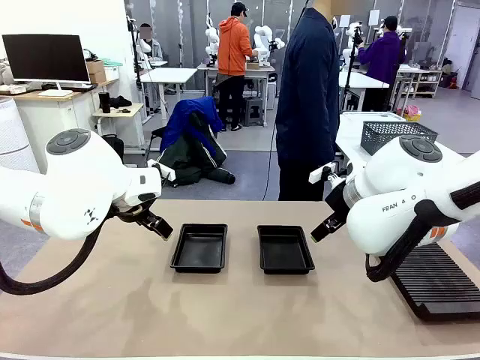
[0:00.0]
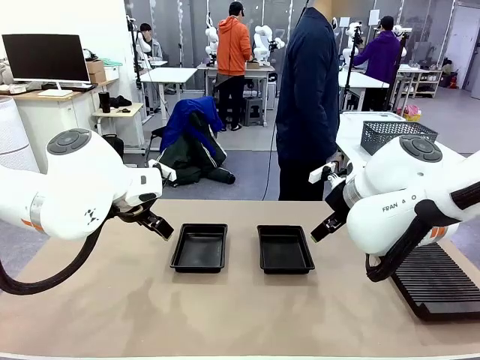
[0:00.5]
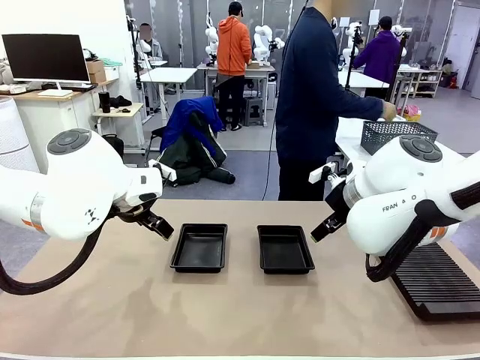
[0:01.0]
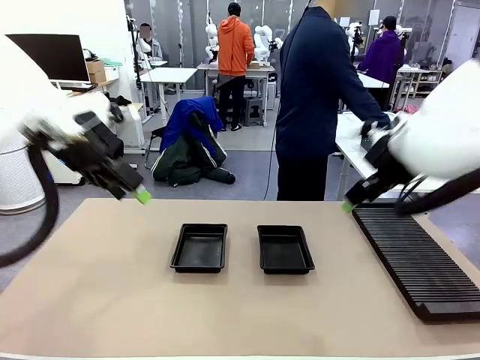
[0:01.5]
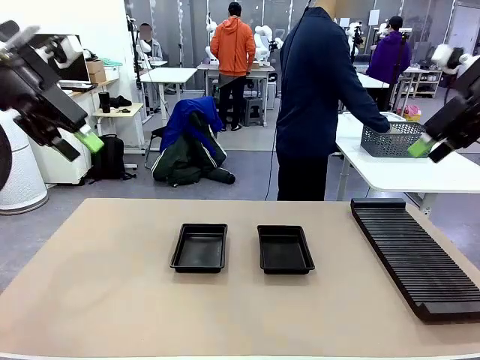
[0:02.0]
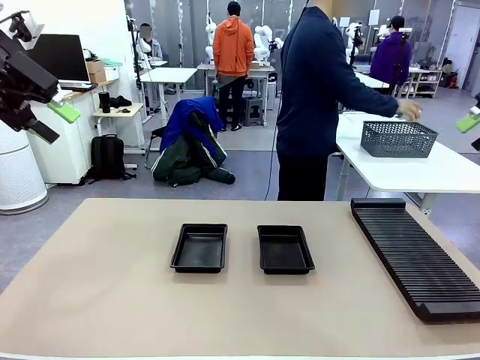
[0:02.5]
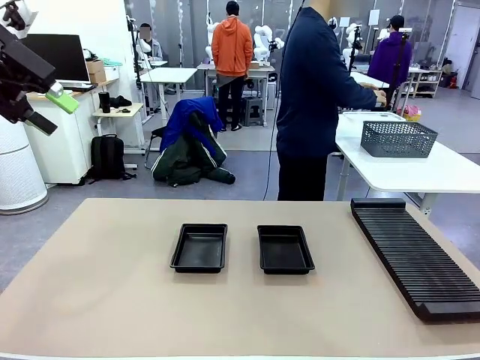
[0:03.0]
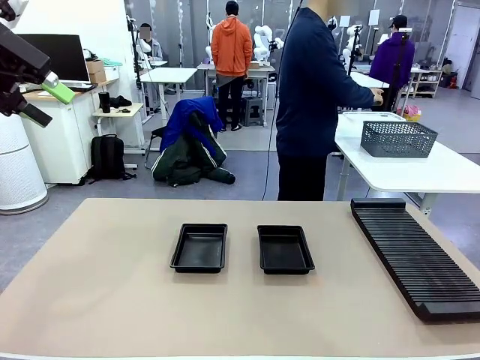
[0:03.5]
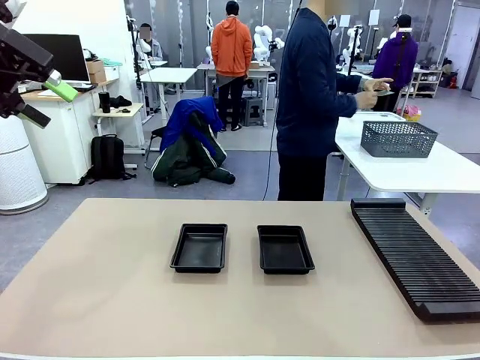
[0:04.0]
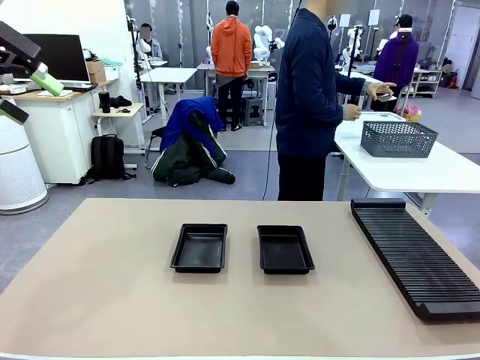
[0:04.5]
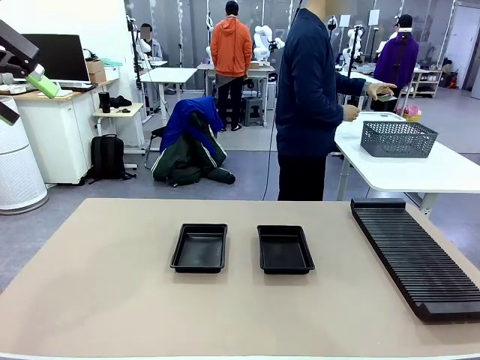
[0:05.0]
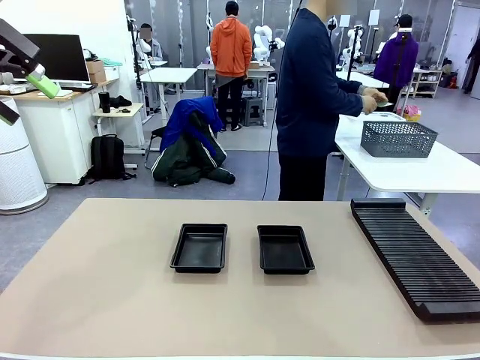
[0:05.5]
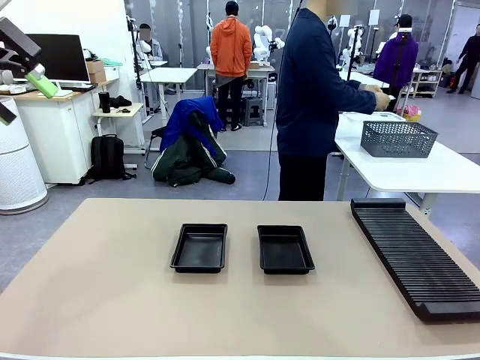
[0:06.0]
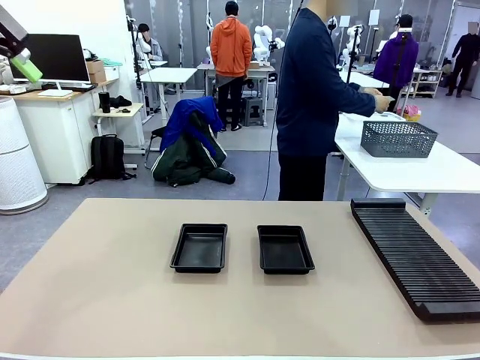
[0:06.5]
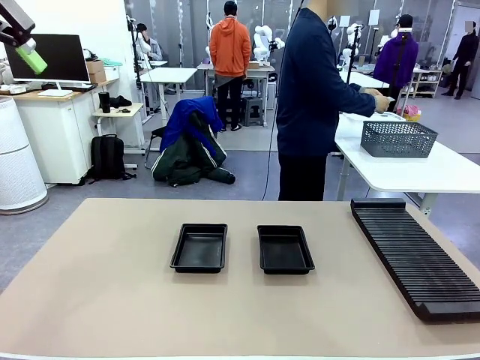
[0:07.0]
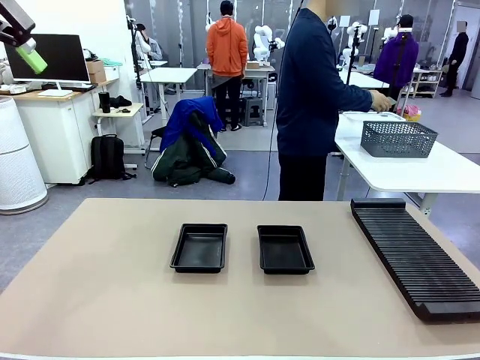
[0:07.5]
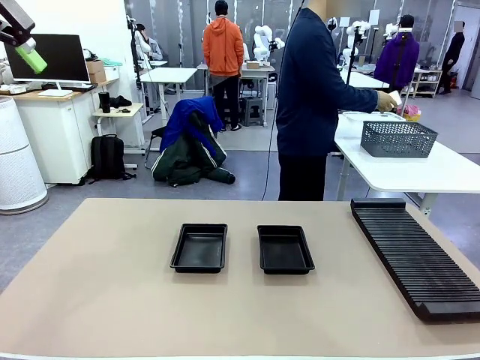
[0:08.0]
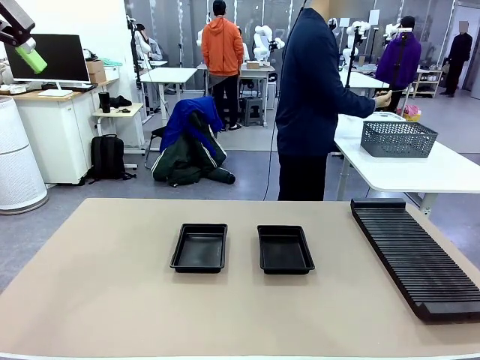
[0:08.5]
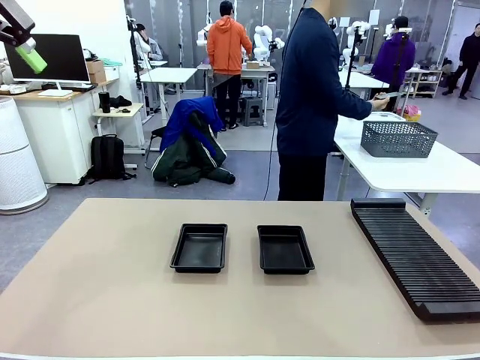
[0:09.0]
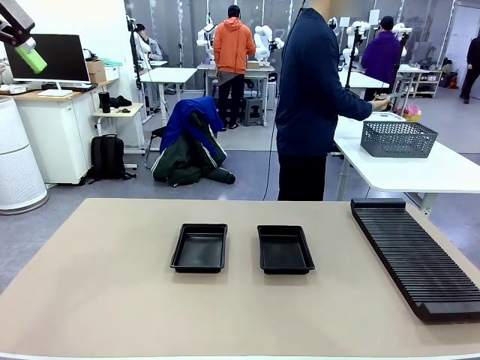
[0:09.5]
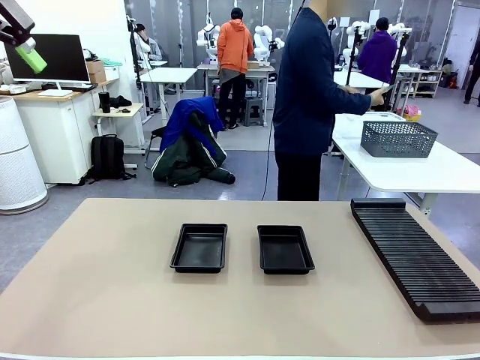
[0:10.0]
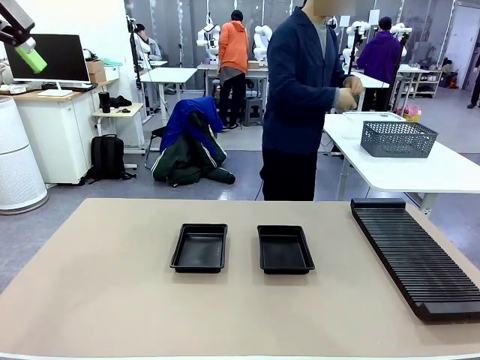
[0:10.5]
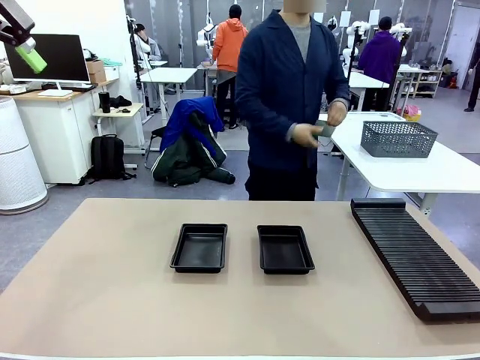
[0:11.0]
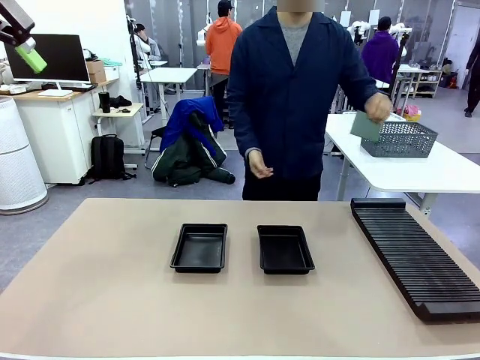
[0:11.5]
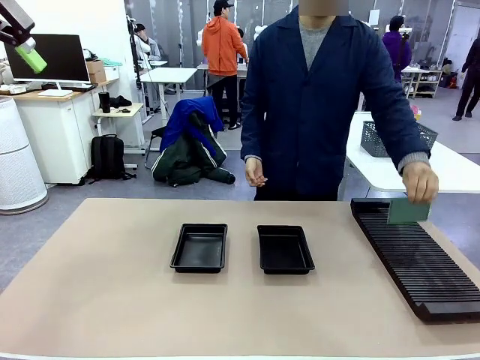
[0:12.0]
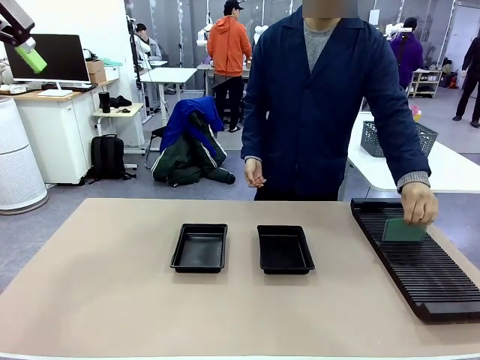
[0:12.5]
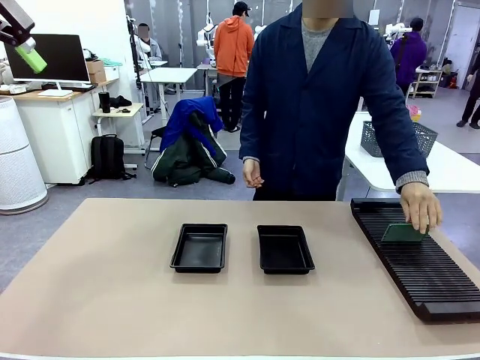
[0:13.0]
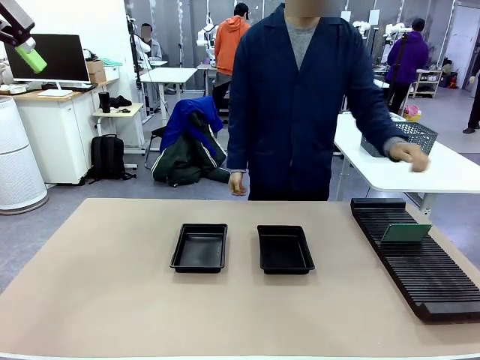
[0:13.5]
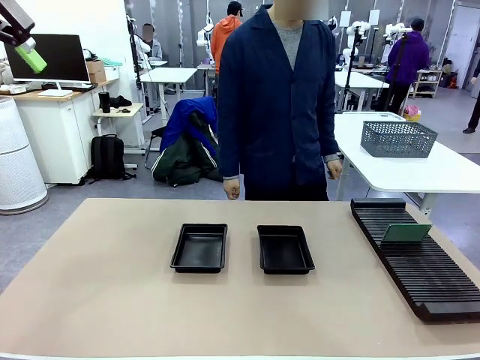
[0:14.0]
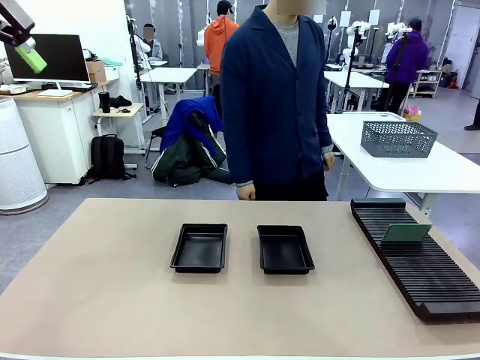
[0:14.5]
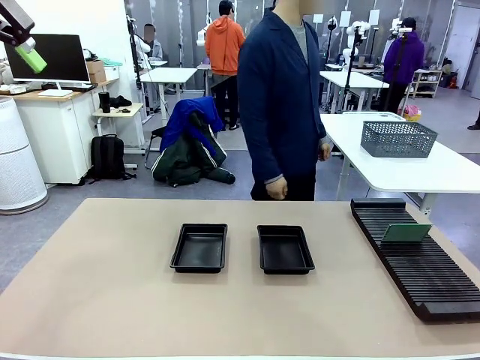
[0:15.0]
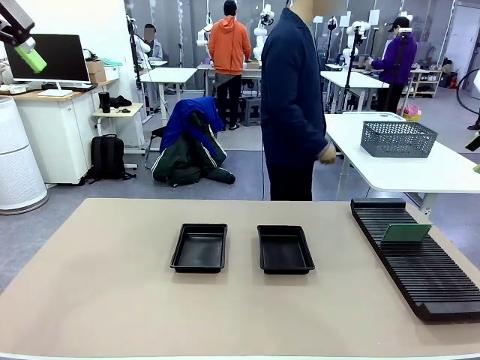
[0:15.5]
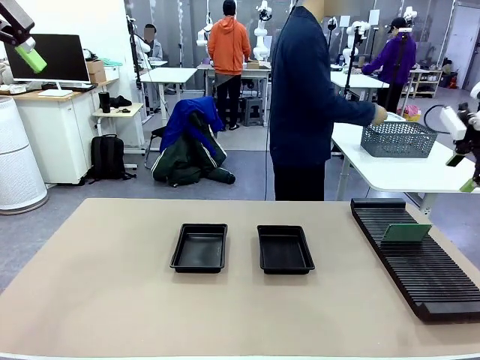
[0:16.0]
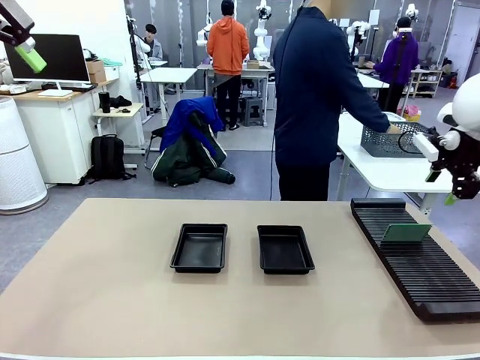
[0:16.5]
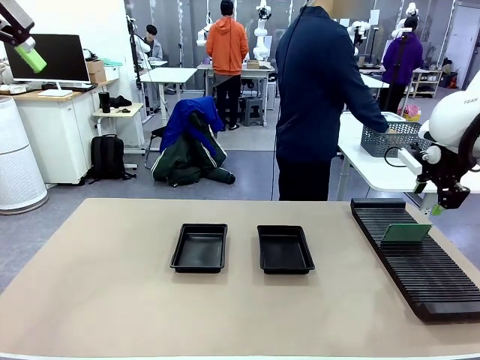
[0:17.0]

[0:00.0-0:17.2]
Task: Inspect and transfer BCBs to ESD trays.
Robot: Pick up the Blank PCB from the PCB Rack and place it in the left ESD tray.
